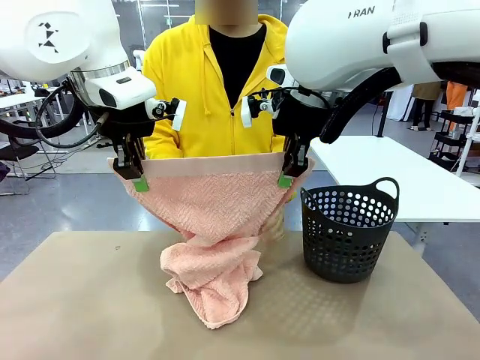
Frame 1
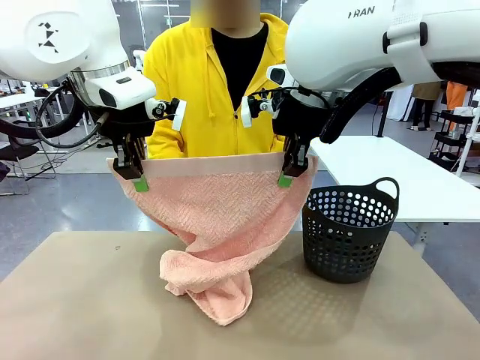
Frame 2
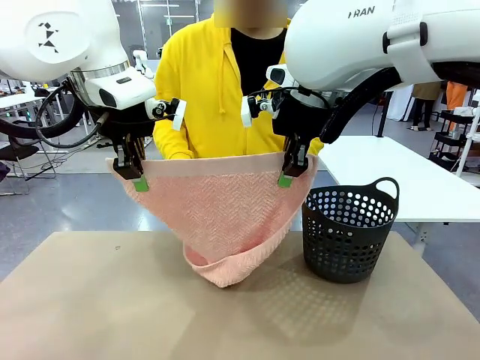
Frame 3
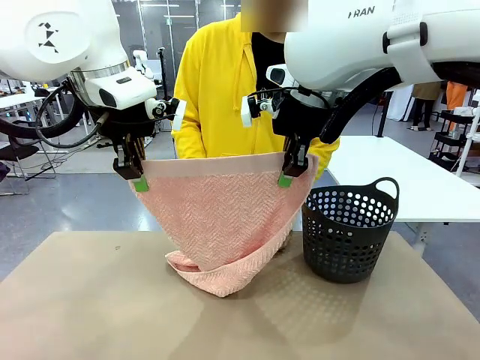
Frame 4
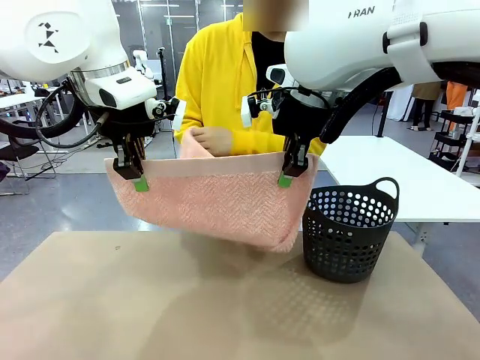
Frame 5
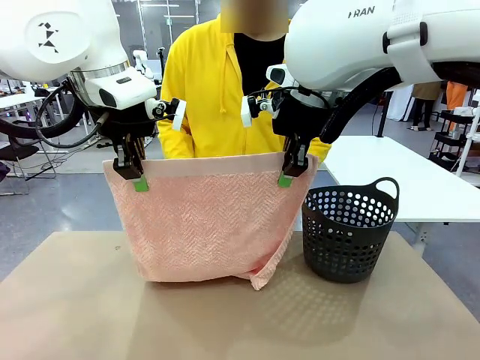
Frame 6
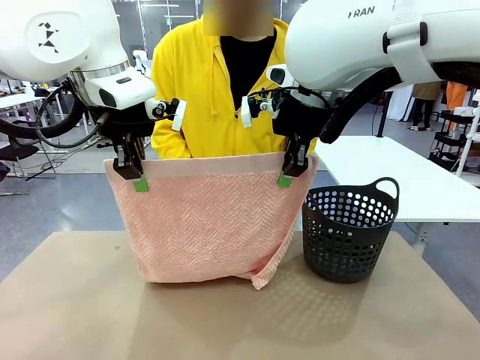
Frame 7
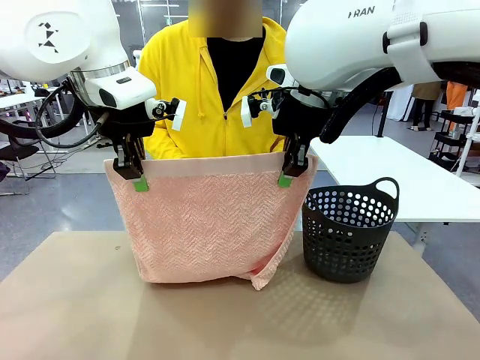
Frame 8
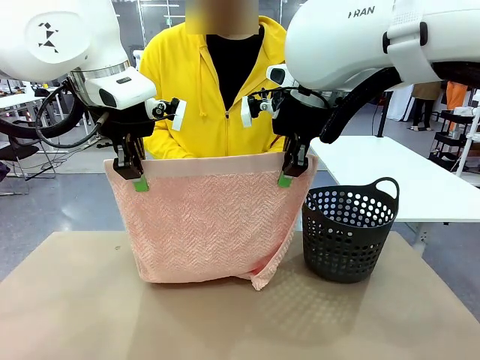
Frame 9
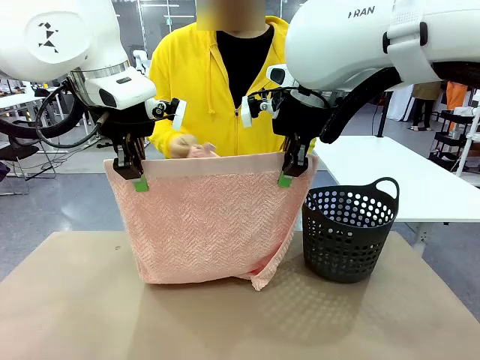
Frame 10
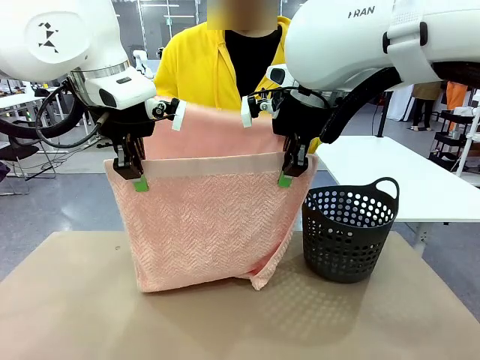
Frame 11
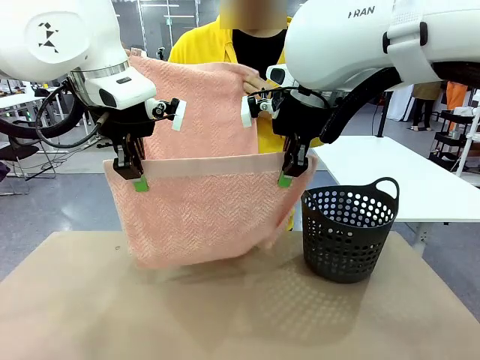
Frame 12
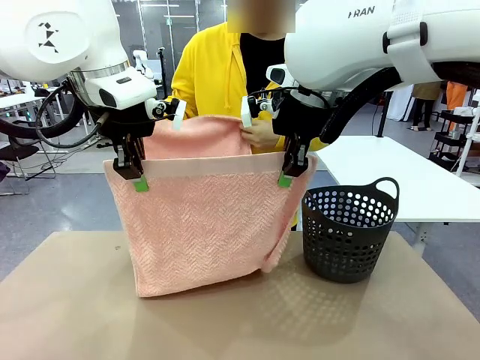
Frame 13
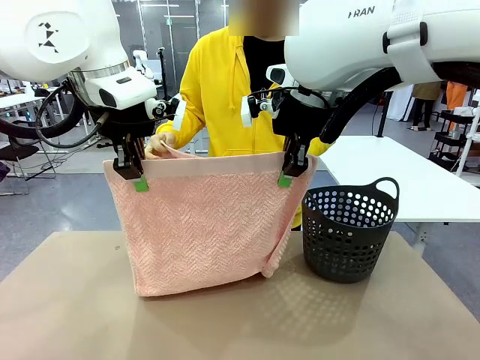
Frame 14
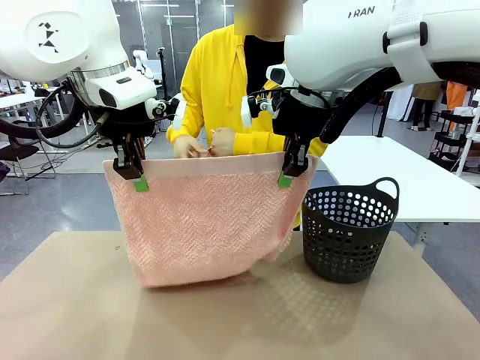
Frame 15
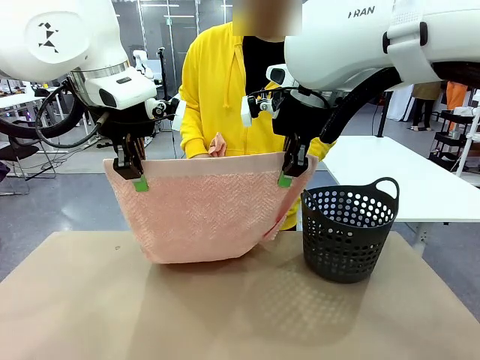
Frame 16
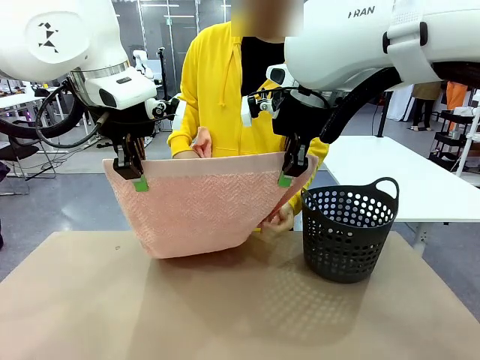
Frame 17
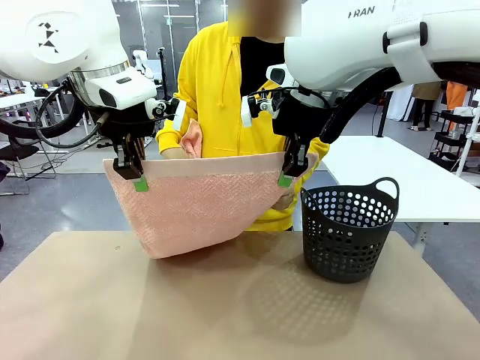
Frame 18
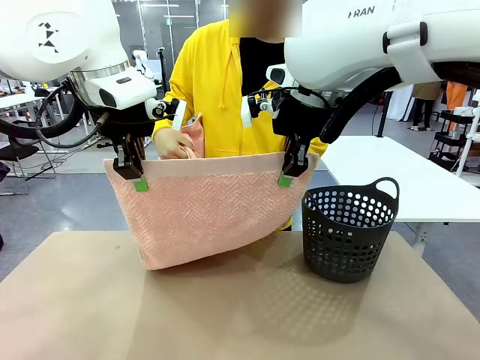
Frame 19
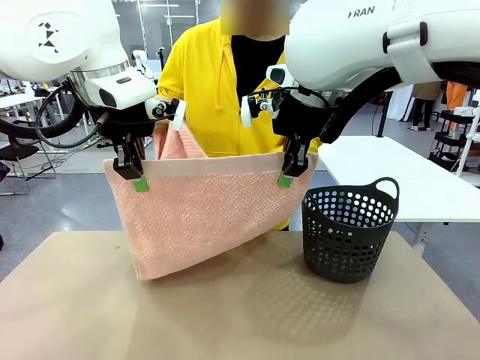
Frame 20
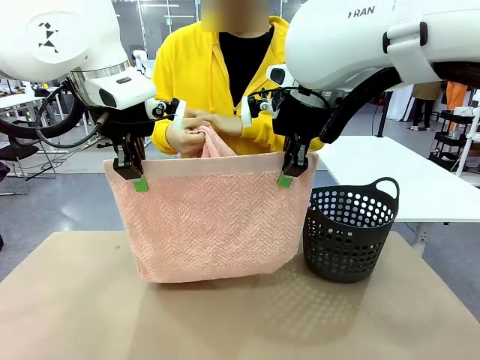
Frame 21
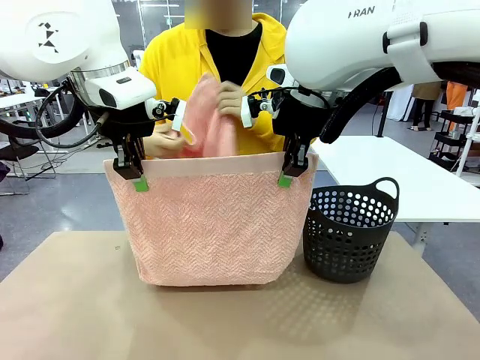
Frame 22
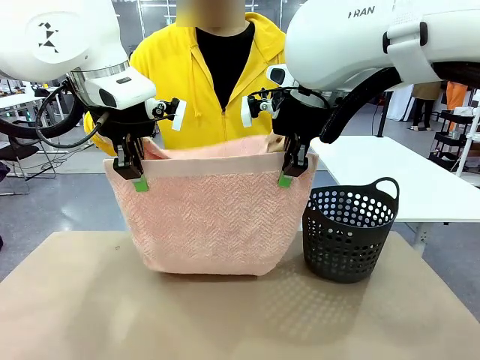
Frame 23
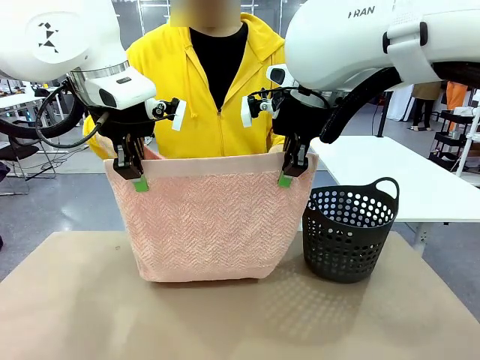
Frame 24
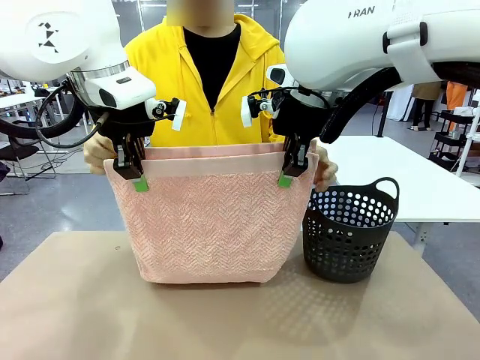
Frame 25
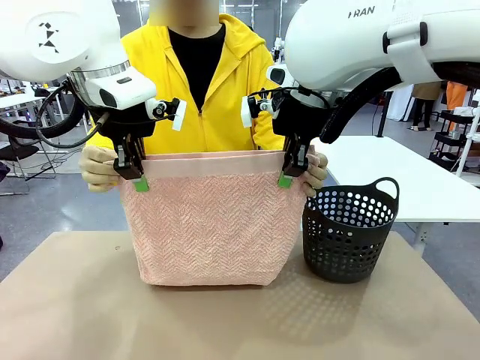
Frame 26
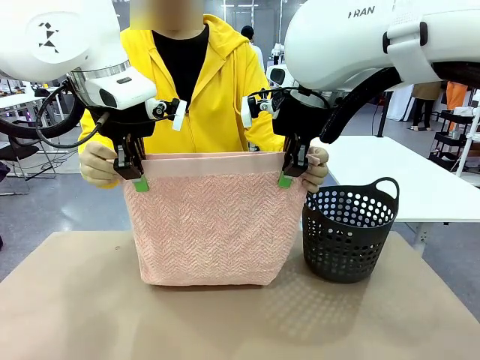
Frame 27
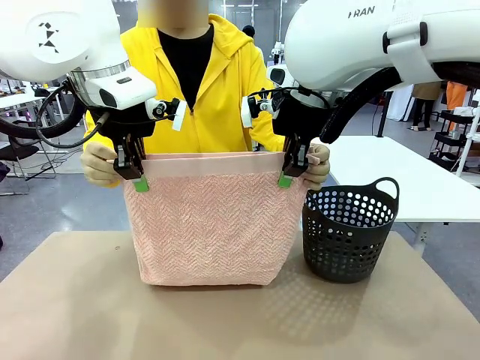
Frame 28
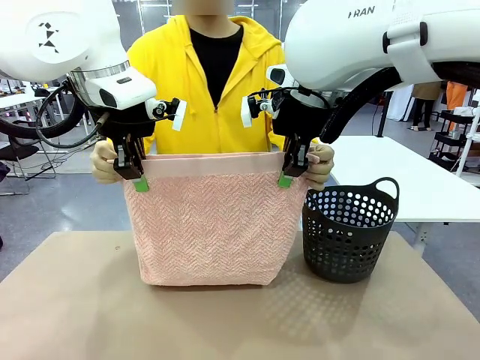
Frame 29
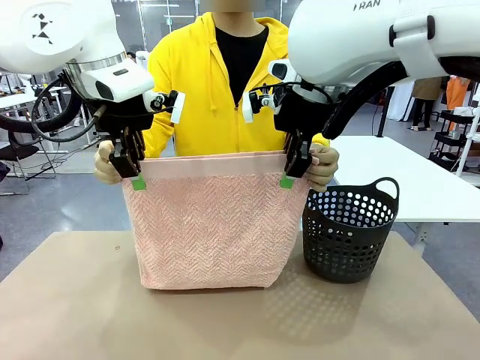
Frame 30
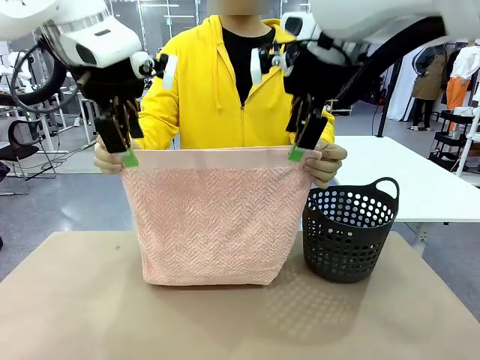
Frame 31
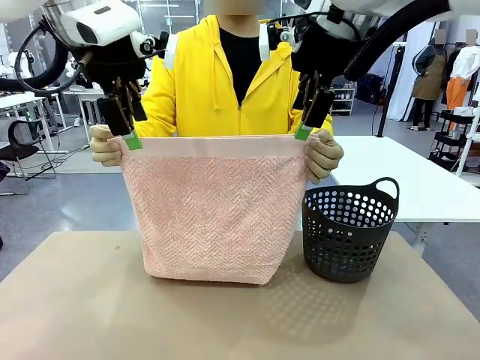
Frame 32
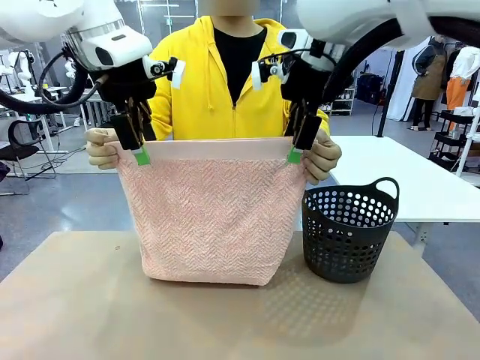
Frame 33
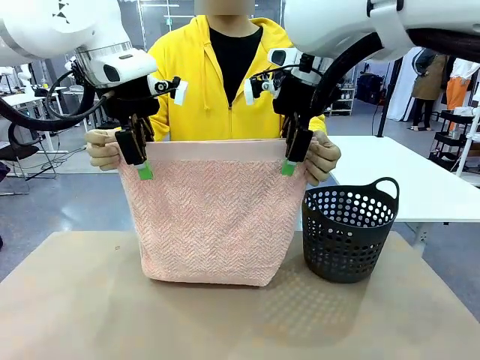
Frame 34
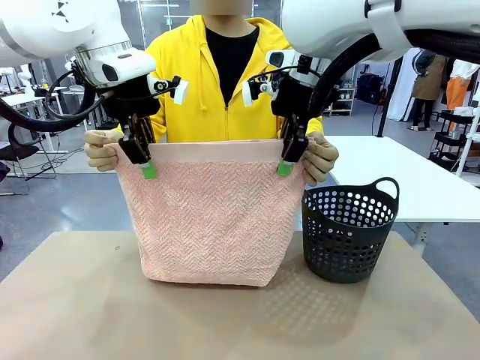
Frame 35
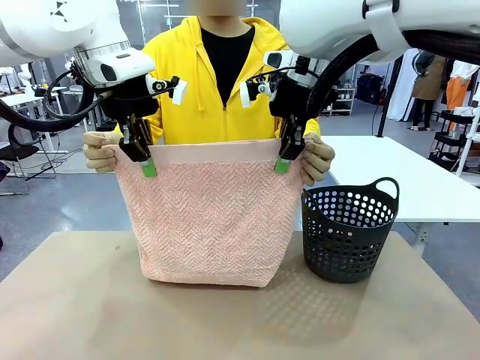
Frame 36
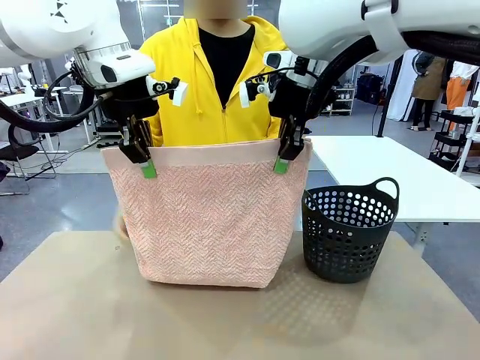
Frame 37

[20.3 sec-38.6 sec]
Task: Fold the towel.
Robot: Release the end of the 100 cm Hotel Towel you were holding and grab the top end of the folded side.
Person: Using the point held by the robot as a reference, grasp the opposite end, fold the towel in half, and then hold both ends of the folded towel.

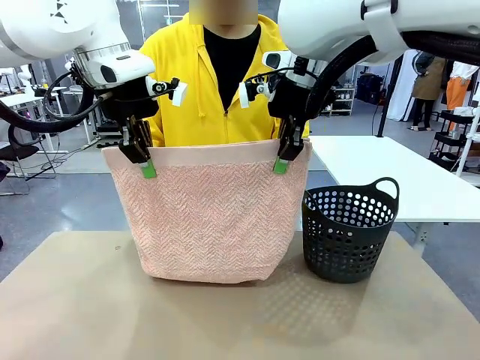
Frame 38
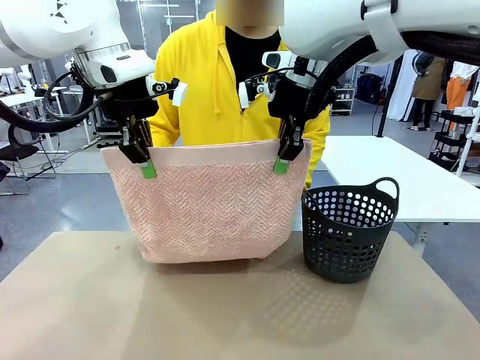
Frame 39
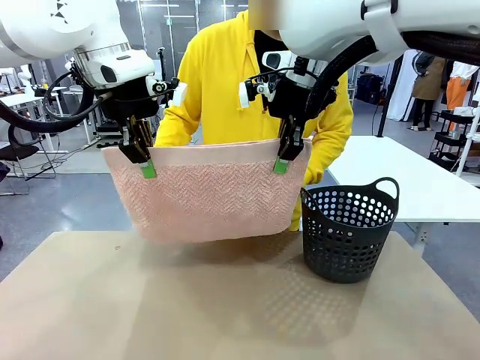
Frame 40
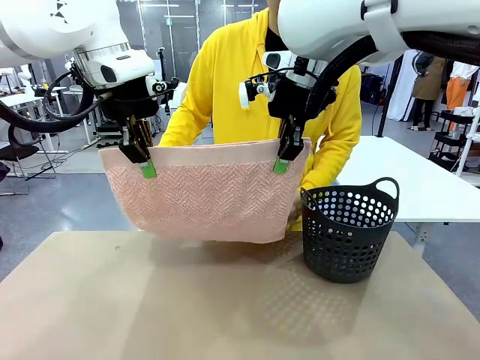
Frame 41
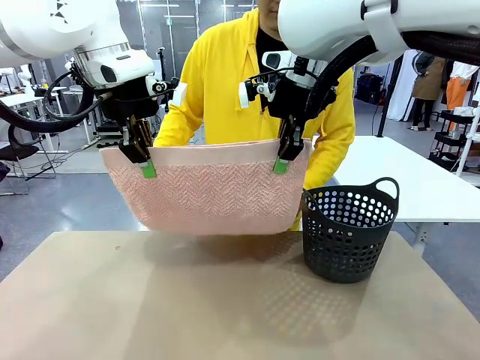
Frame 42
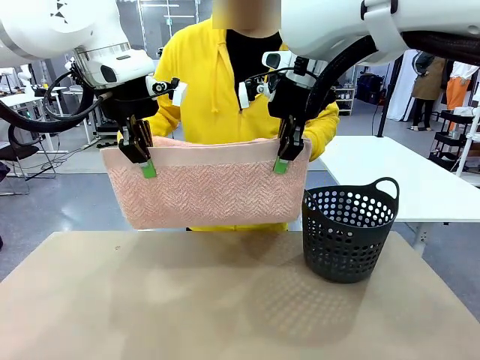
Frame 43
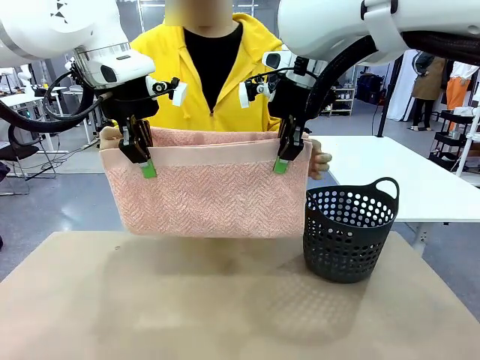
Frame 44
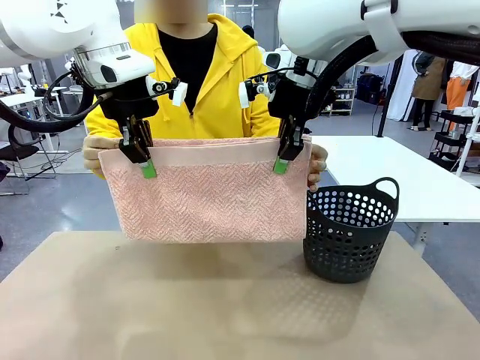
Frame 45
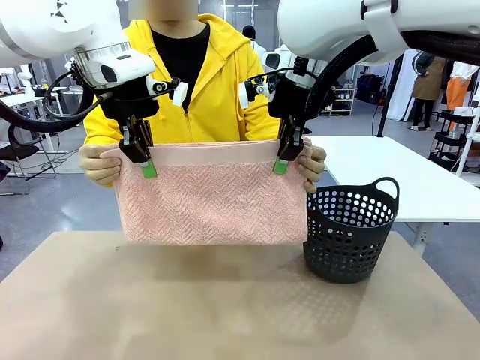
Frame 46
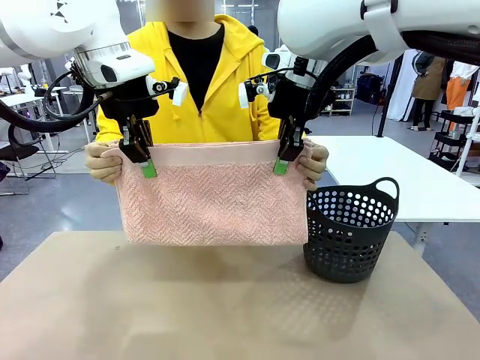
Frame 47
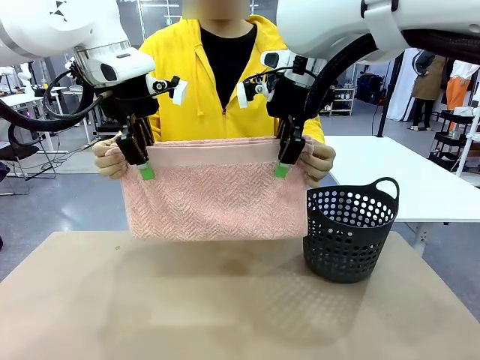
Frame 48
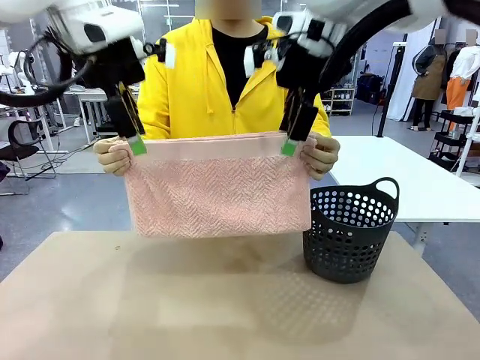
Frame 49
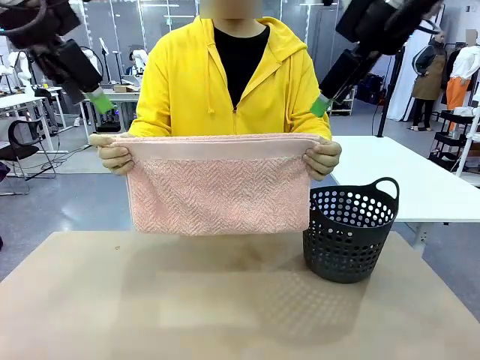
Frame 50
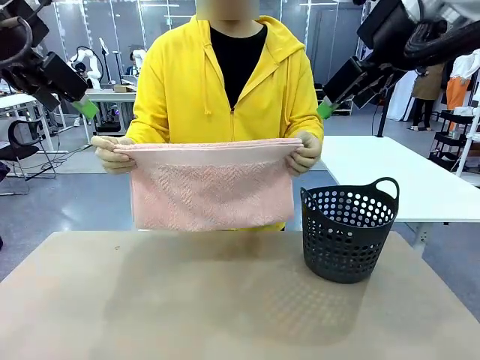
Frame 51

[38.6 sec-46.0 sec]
Robot: Release the end of the 100 cm Hotel Towel you were holding.
